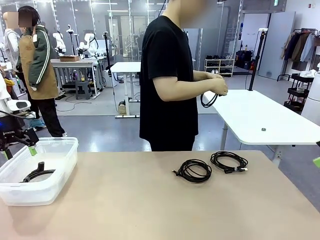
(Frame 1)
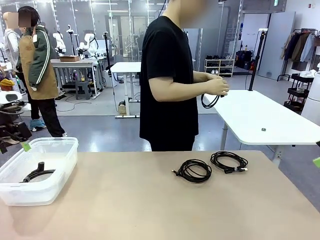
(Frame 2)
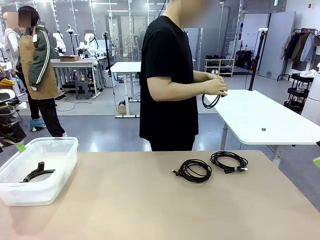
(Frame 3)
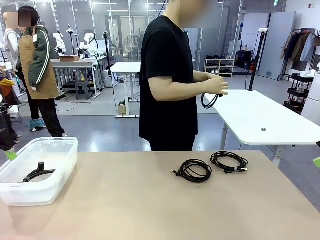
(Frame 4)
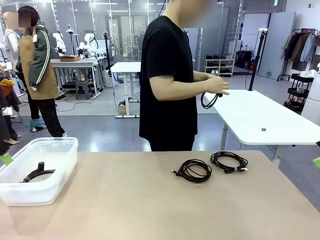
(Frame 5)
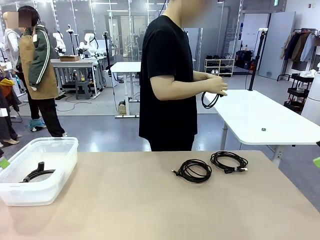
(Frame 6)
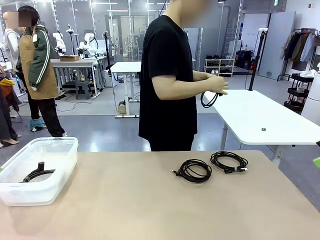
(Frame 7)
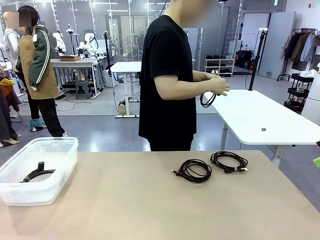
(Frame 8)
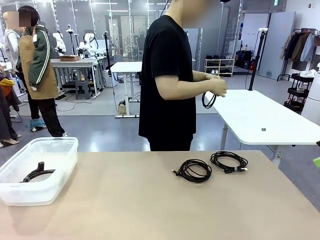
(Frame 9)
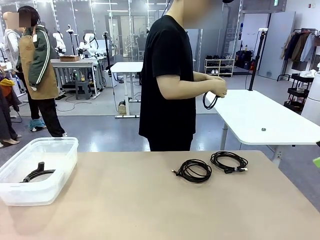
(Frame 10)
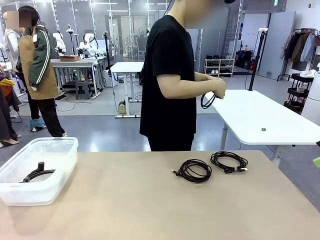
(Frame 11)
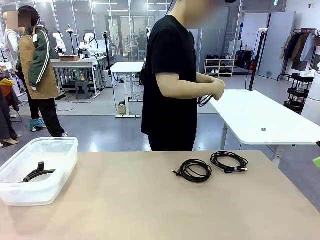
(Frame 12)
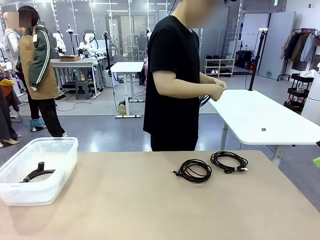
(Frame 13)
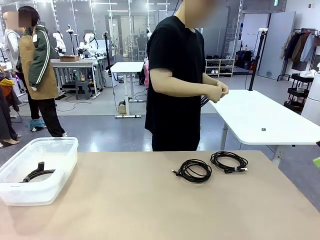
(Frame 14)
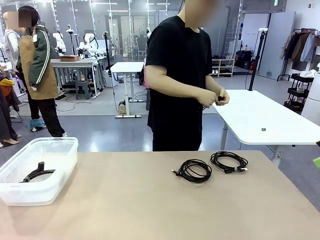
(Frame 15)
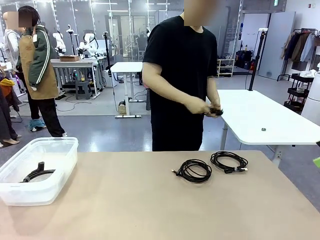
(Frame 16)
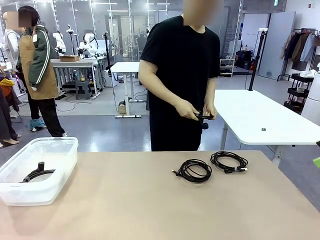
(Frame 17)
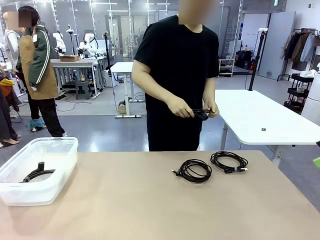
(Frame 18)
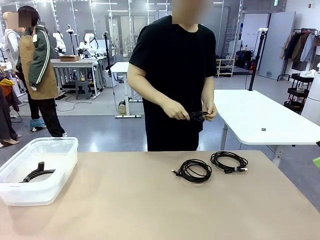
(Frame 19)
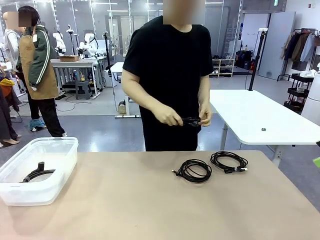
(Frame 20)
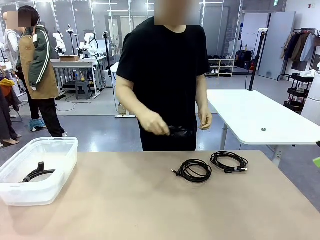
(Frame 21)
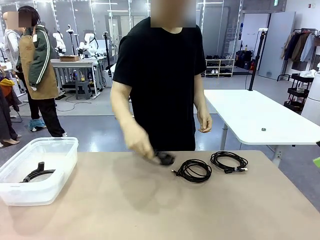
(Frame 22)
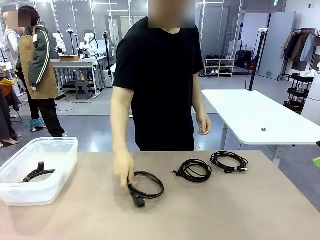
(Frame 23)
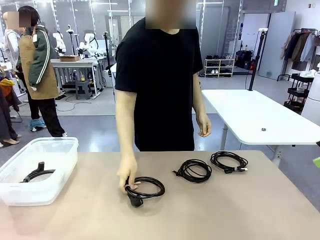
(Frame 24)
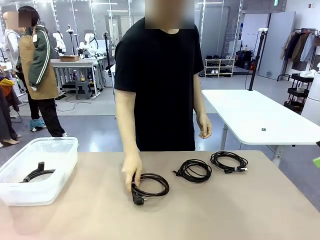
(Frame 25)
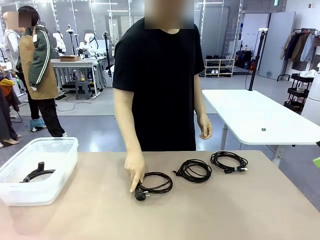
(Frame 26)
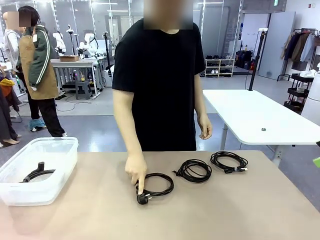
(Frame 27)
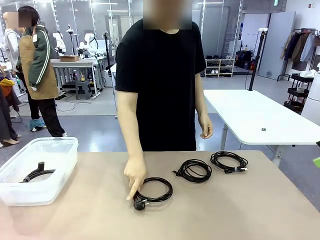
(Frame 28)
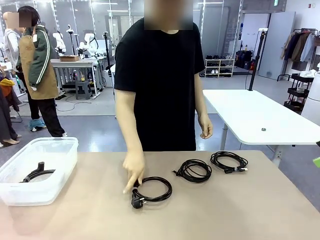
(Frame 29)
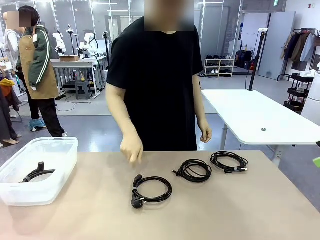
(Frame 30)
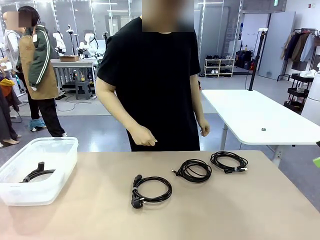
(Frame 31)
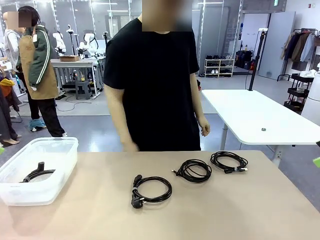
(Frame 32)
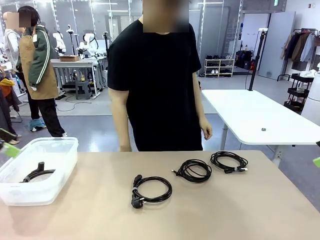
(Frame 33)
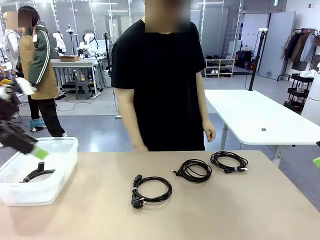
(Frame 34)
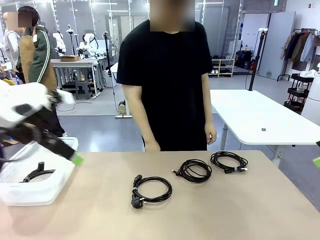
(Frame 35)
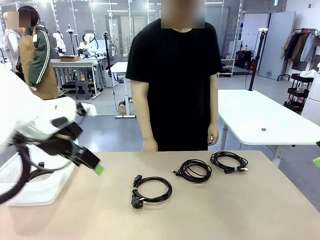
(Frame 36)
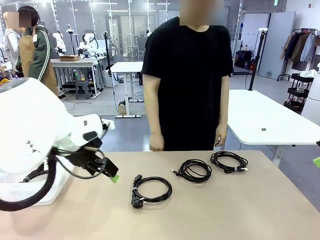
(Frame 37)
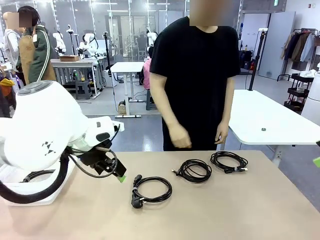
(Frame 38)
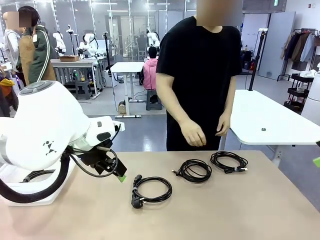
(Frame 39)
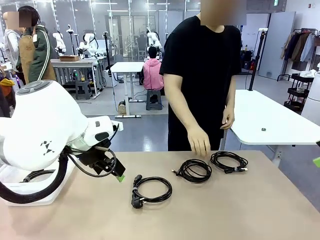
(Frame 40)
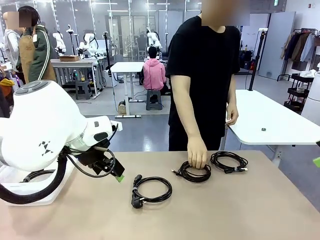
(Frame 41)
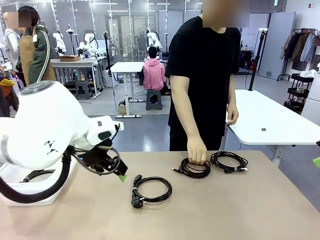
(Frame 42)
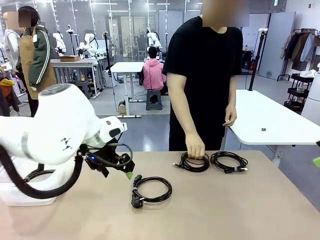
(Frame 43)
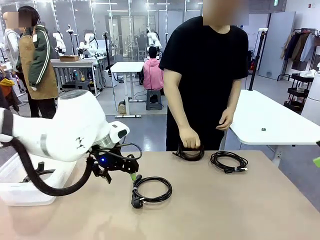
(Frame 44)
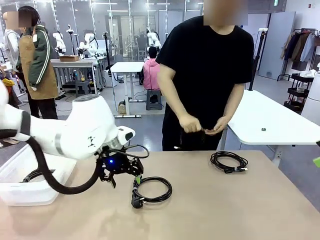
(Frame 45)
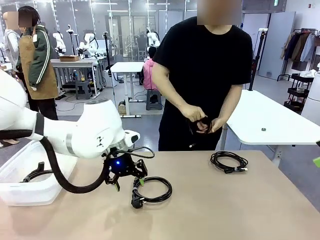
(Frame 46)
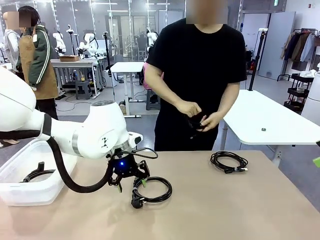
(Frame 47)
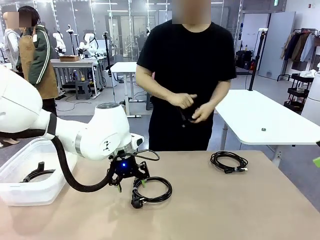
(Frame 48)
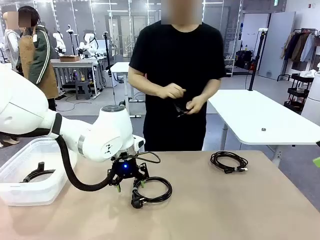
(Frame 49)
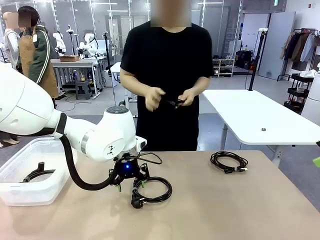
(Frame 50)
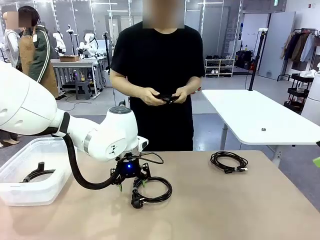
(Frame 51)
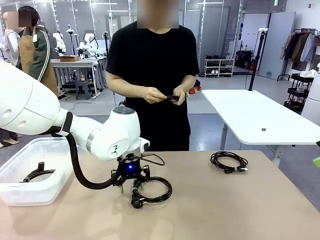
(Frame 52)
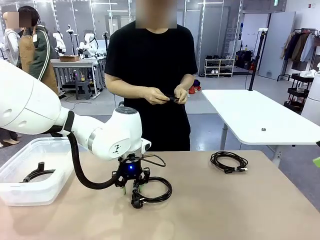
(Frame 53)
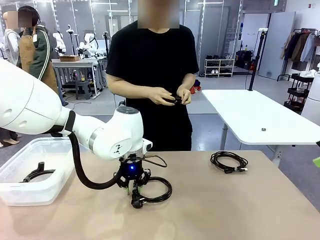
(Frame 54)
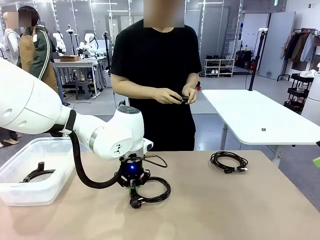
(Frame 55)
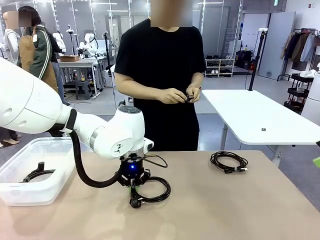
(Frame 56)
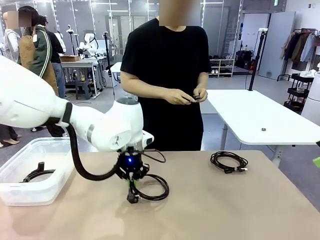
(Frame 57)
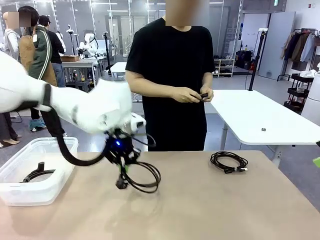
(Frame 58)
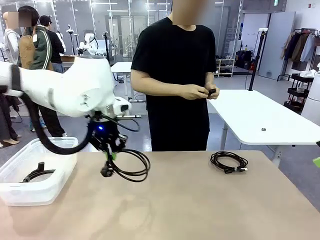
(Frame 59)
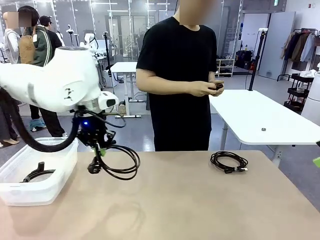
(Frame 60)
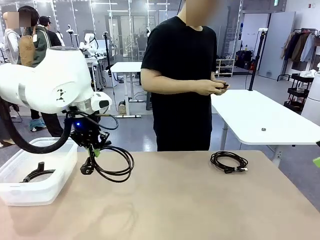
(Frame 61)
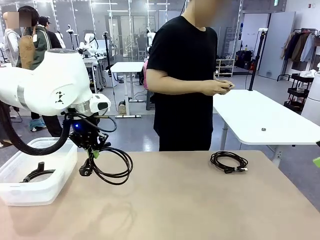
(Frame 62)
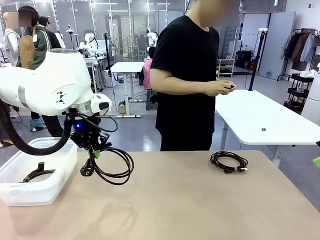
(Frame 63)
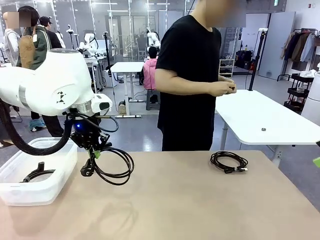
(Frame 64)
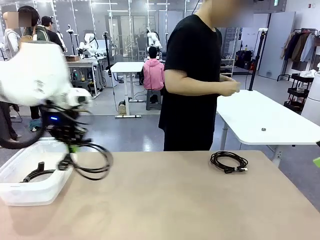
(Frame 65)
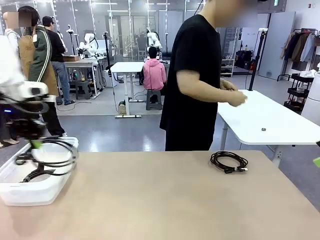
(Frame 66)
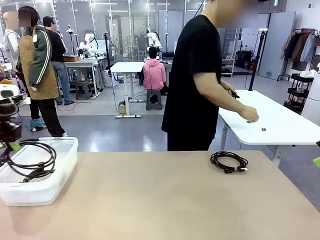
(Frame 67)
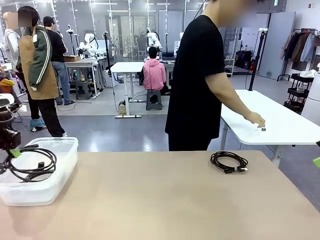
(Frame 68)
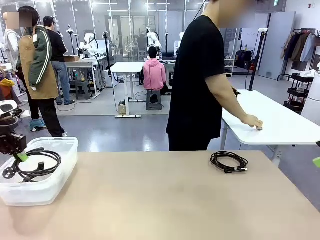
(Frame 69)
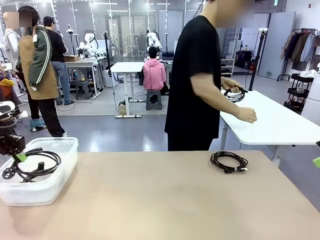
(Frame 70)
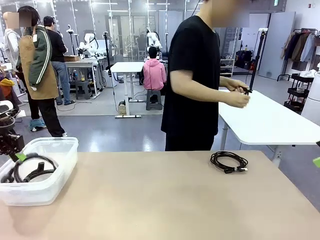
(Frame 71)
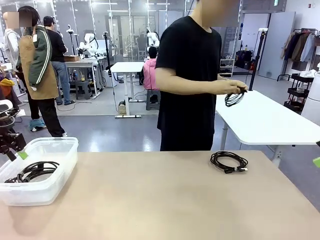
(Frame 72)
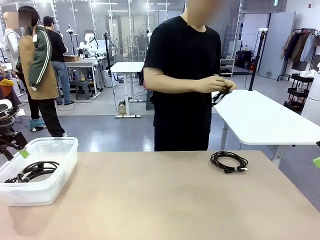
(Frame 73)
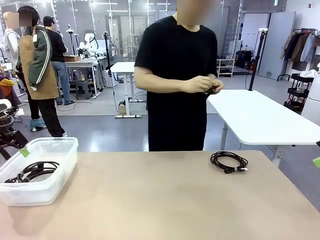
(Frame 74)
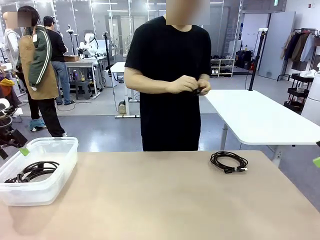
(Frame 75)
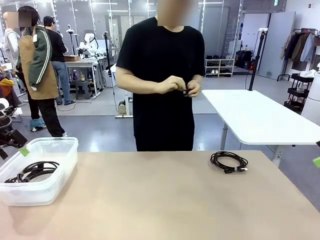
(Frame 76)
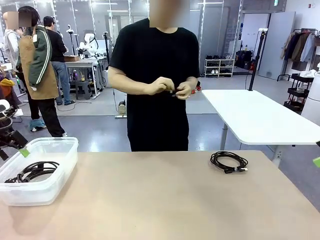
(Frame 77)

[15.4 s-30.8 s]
Task: Organize and store the cables.
Robot: Place the Power Cable into the Organizing box.
